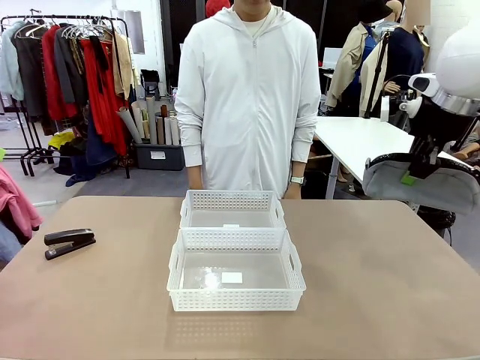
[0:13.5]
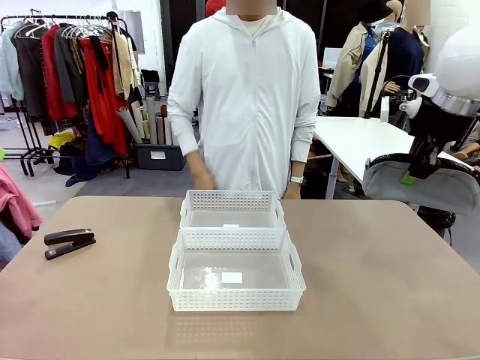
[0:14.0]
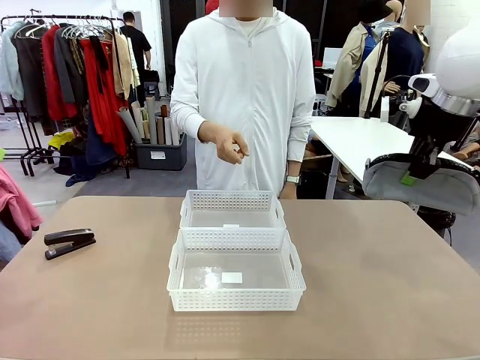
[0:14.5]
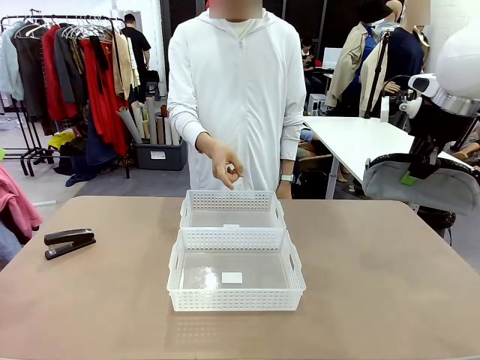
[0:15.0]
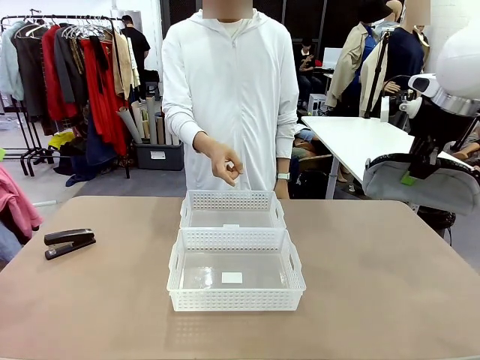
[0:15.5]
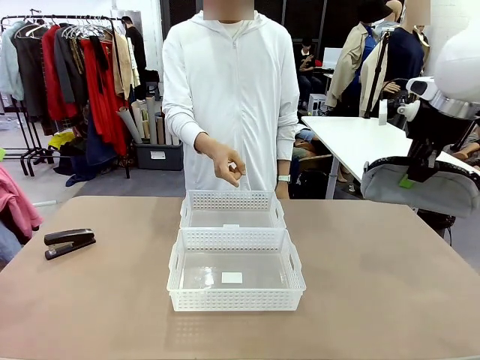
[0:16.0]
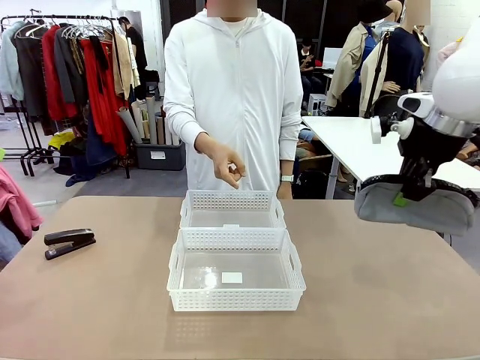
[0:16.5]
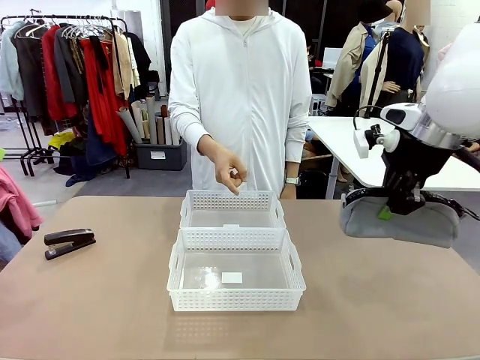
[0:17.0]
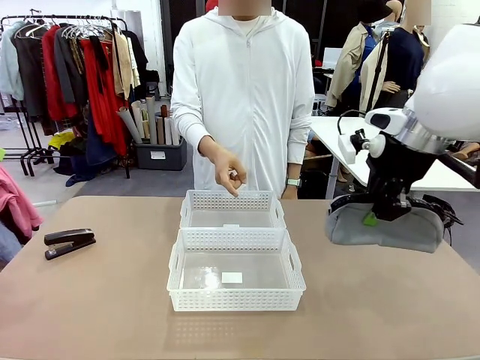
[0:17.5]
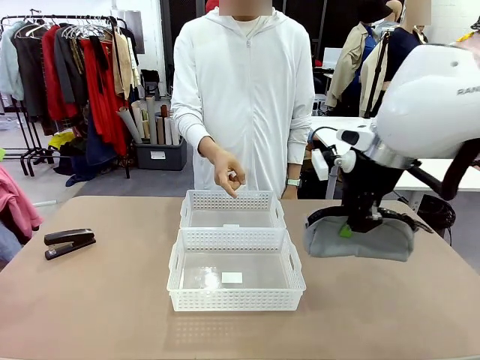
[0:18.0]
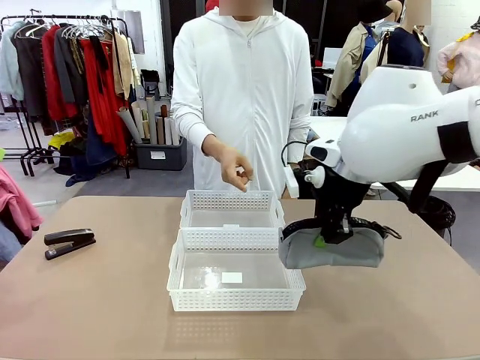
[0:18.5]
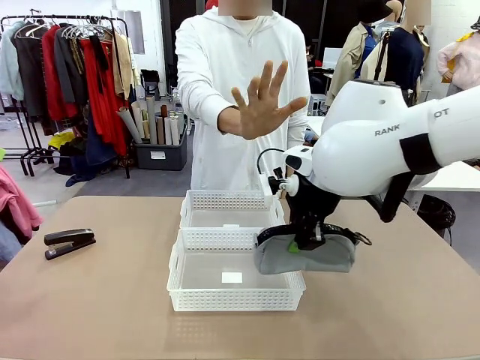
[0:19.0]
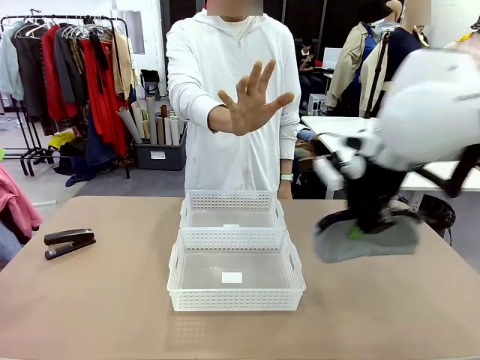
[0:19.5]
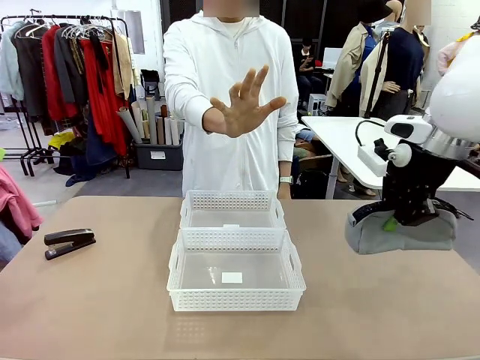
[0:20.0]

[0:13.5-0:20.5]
Task: Distribute items into two baskets.
Robot: Move the picked Pencil pouch towards the Organizing basket indicated by the person, stopping as directed.
Person: Sends a stop gesture before the robot places the pencil case into the basket.

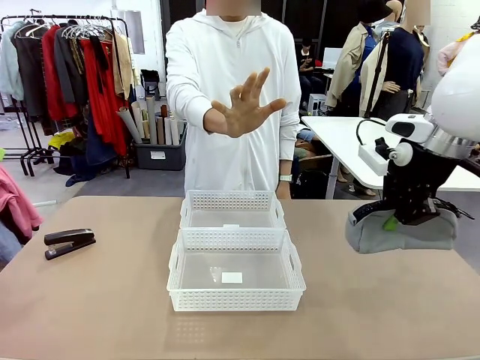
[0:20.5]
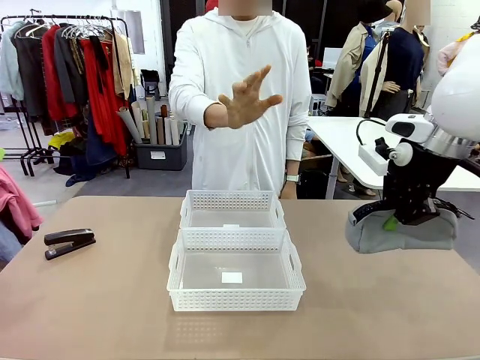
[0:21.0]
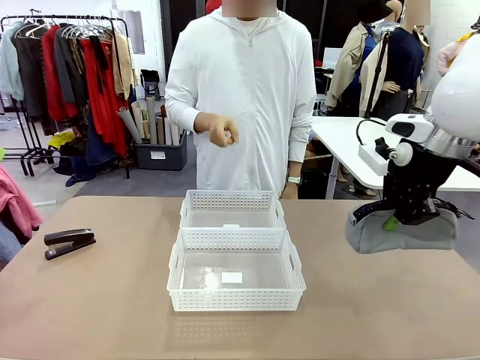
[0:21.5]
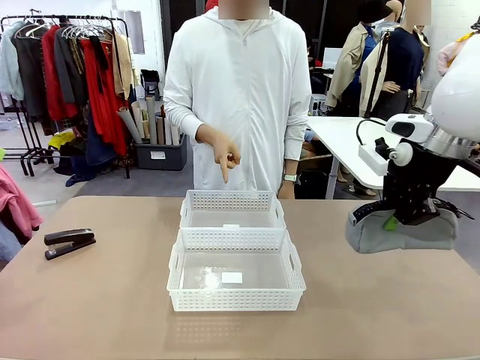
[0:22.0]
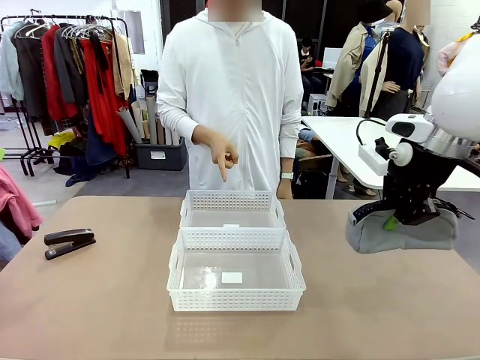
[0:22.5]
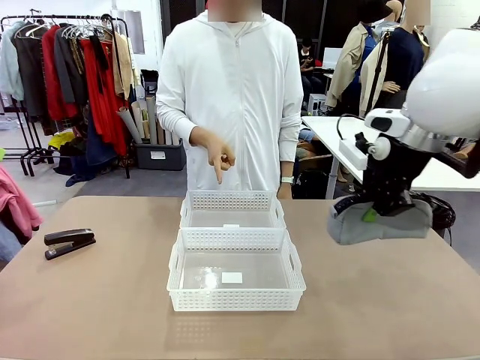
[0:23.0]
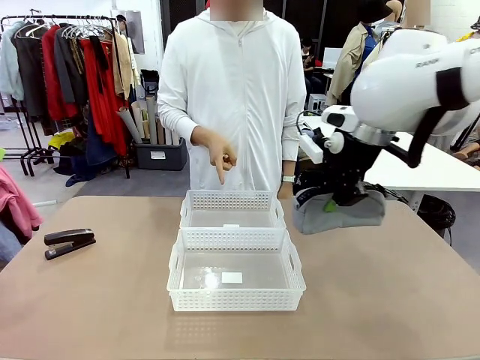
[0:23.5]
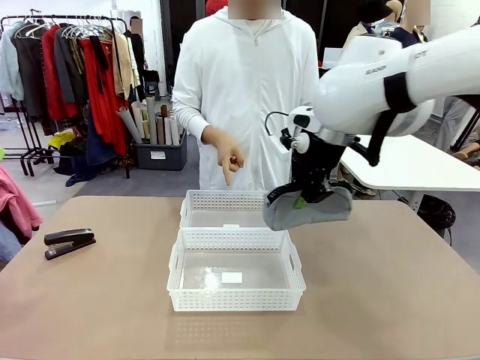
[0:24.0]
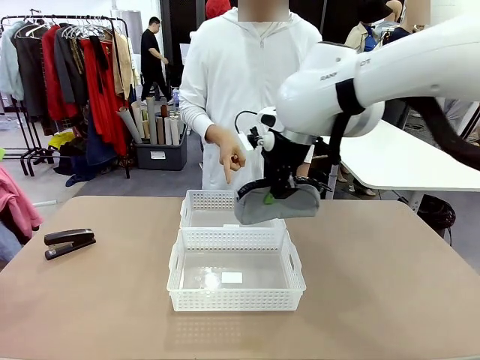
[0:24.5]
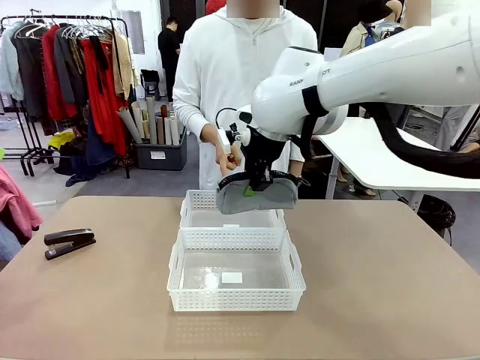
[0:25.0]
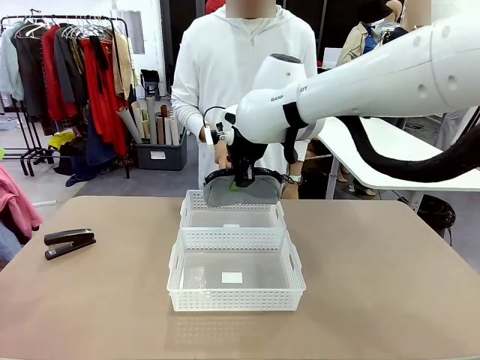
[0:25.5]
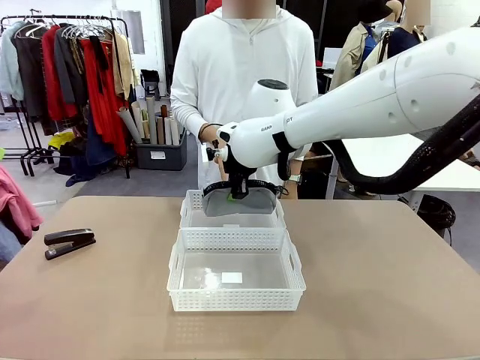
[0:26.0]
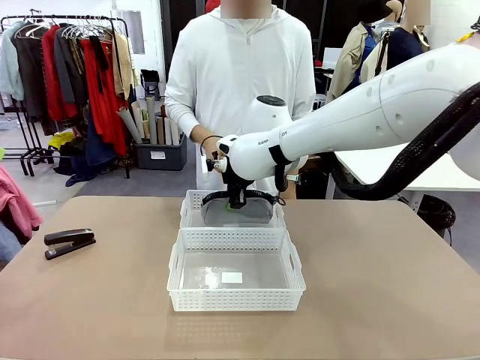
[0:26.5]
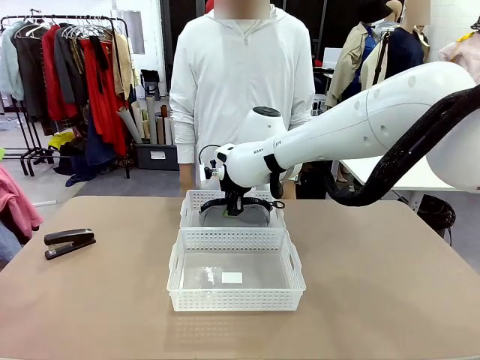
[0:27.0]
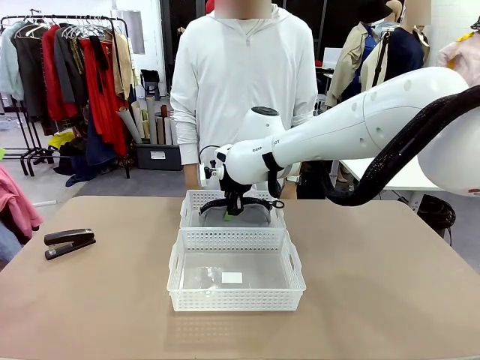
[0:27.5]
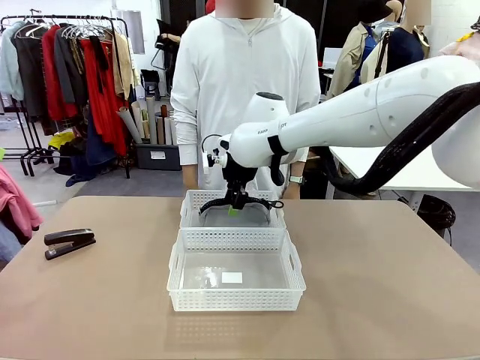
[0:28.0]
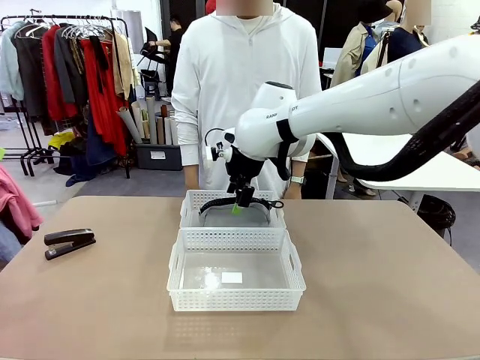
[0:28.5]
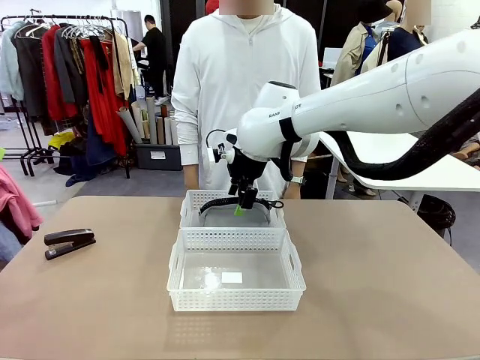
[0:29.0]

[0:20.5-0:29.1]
Robot: Place the picked Pencil pouch into the Organizing basket as instructed by the person.
Person: Instructs the robot to place the pencil case into the opposite basket. Points to the stapler.

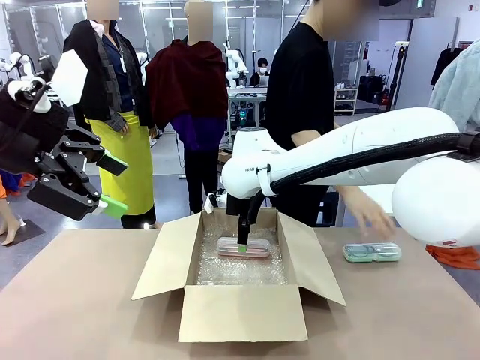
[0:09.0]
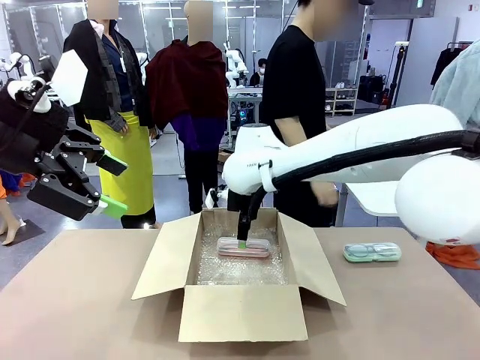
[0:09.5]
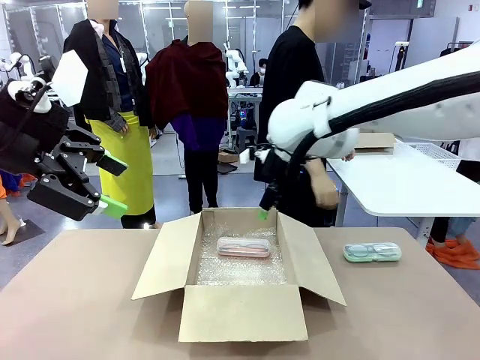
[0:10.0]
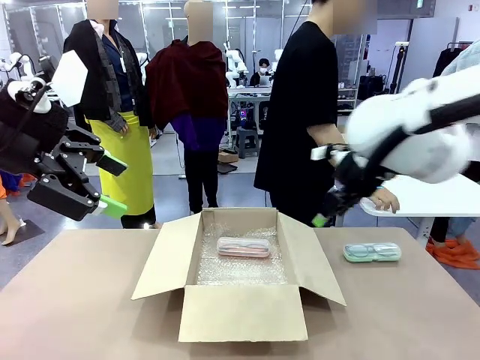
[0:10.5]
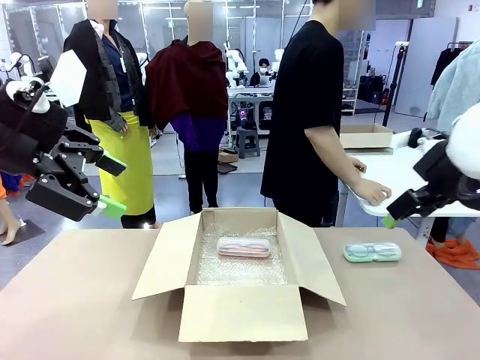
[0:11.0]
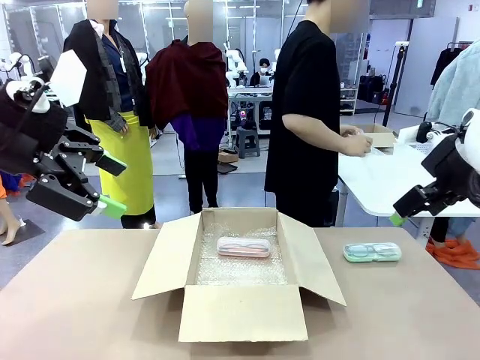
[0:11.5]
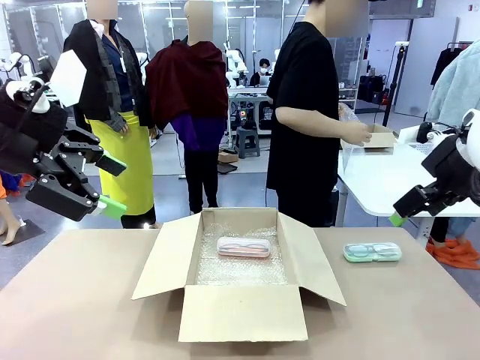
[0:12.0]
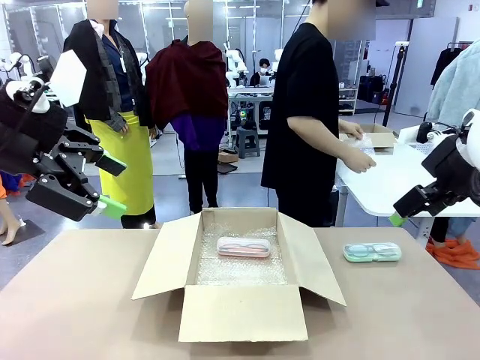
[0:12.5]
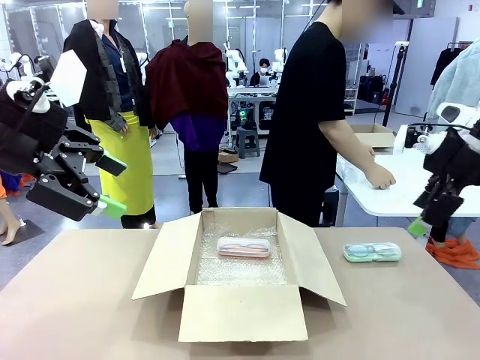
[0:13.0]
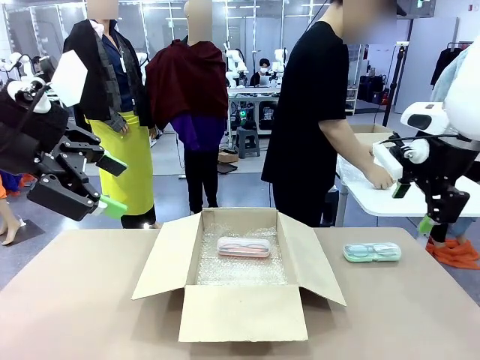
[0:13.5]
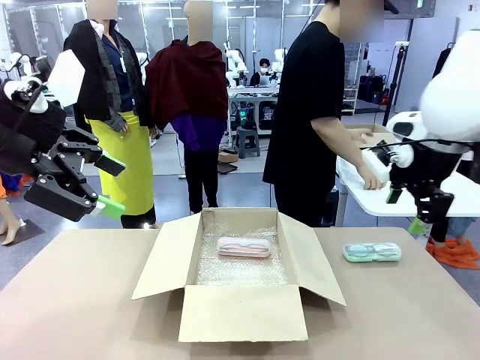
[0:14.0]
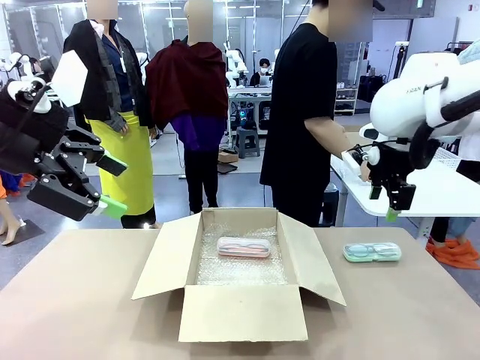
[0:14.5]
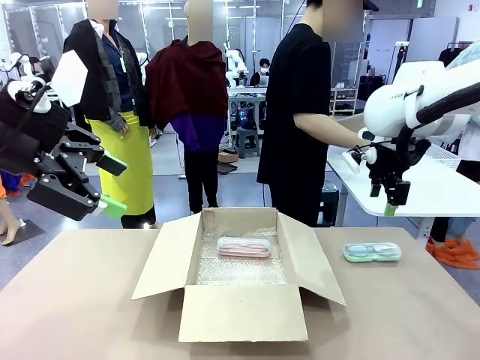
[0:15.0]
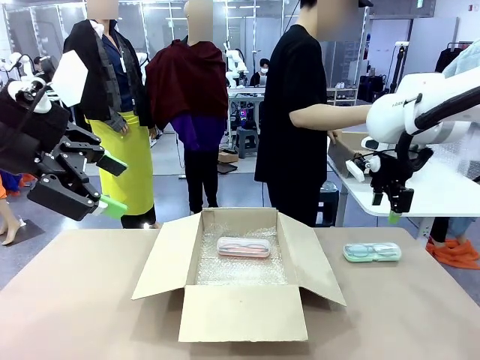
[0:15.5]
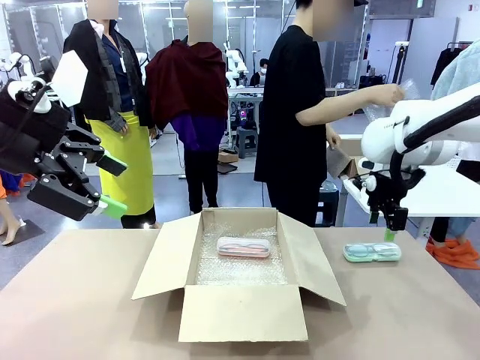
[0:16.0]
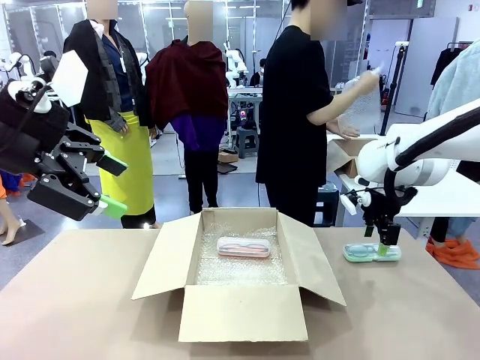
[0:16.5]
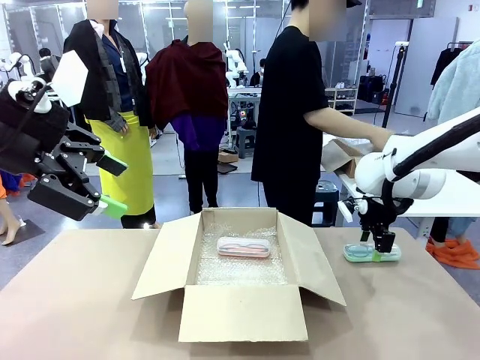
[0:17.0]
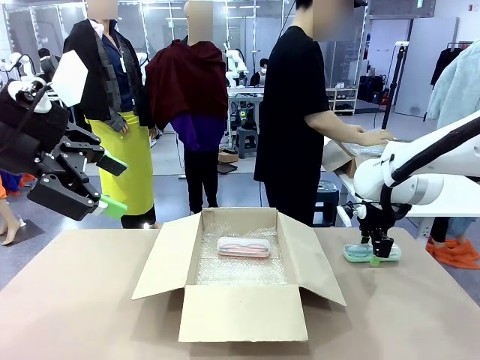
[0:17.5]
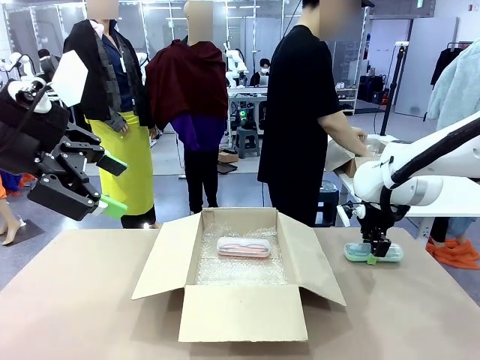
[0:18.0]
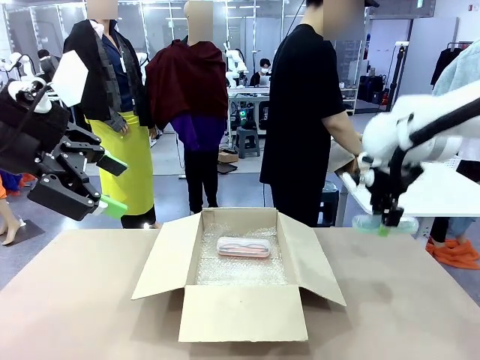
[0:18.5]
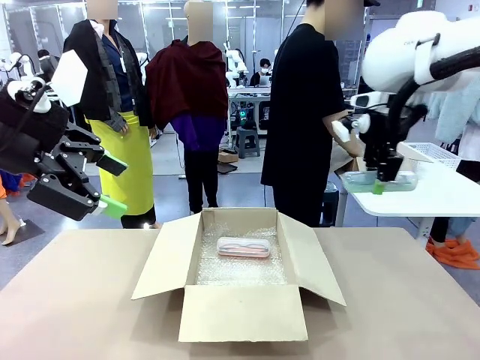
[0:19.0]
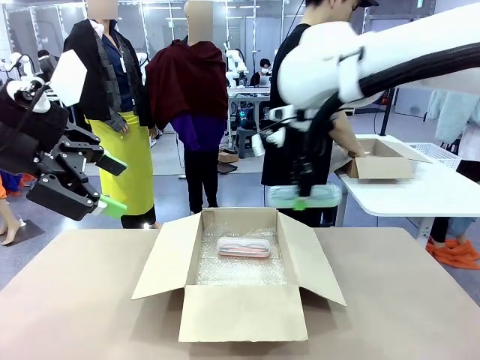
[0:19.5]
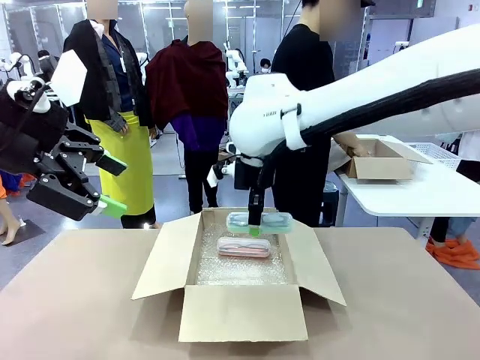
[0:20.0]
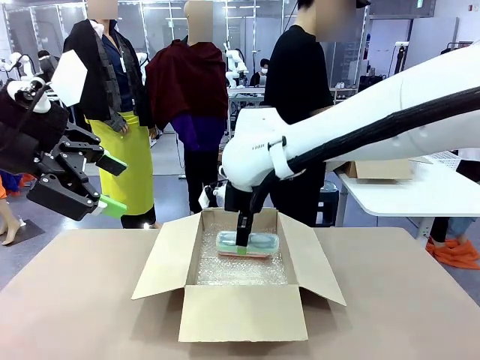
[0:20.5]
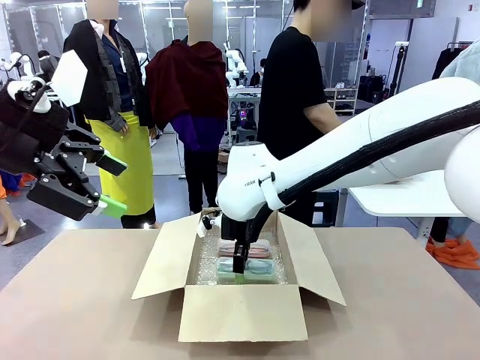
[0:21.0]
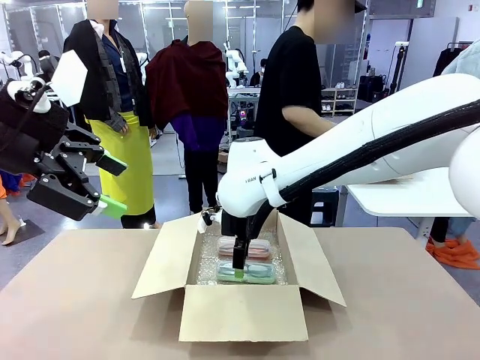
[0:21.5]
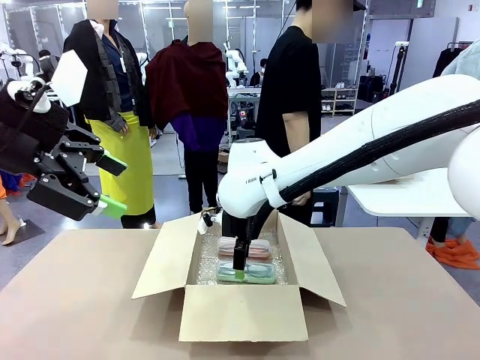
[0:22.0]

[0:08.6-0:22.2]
Task: Pack the glasses set securely to prepare it for shipping.
Robot: Put the Glasses case from the right side of the table into the Package Box.
